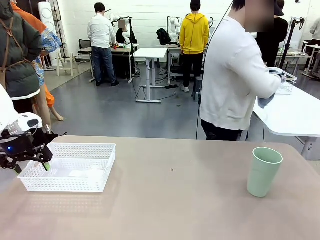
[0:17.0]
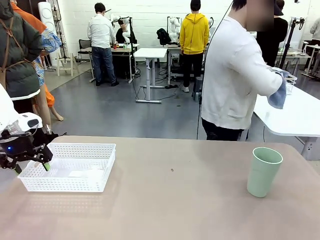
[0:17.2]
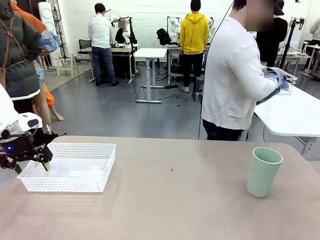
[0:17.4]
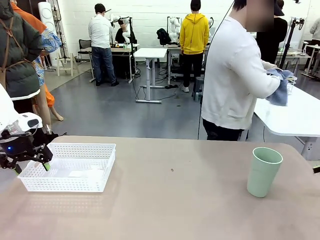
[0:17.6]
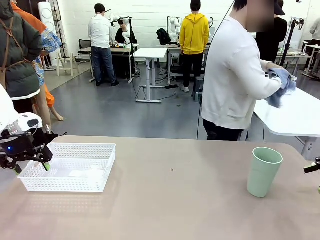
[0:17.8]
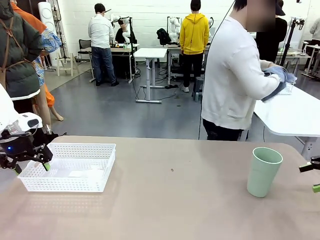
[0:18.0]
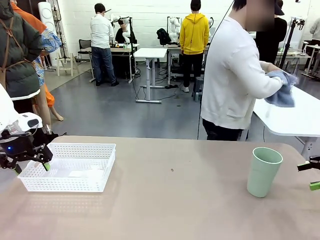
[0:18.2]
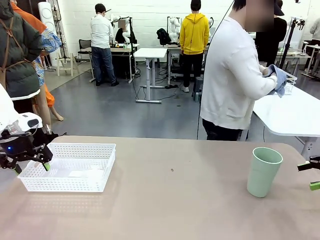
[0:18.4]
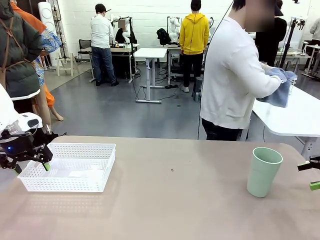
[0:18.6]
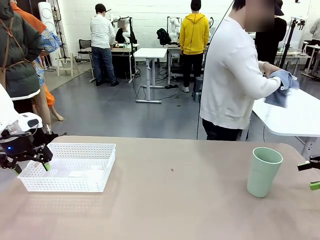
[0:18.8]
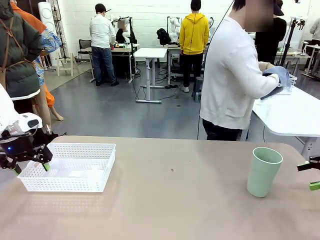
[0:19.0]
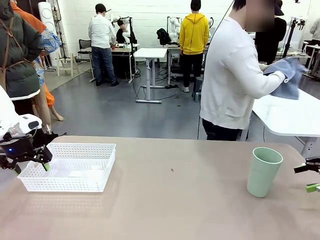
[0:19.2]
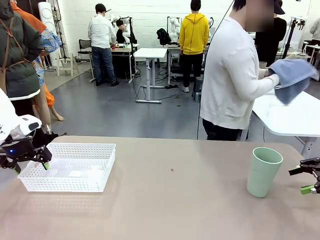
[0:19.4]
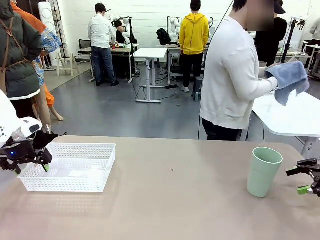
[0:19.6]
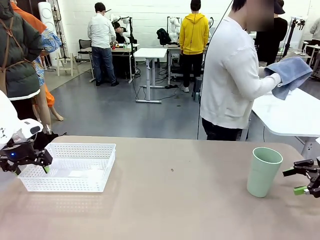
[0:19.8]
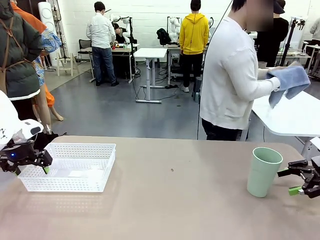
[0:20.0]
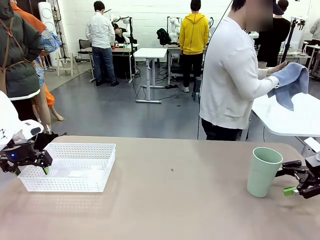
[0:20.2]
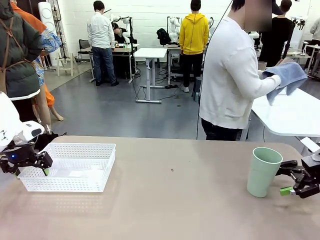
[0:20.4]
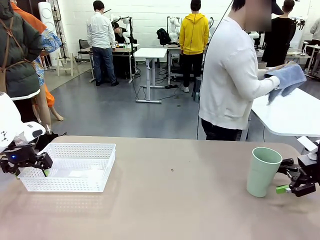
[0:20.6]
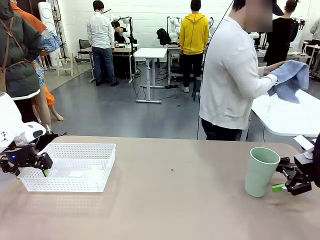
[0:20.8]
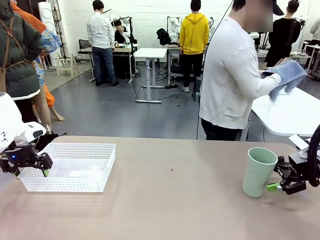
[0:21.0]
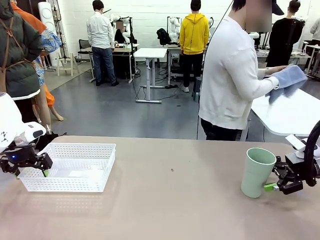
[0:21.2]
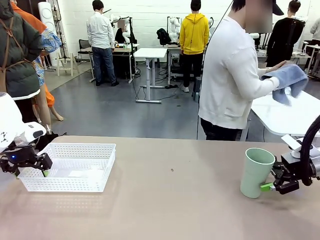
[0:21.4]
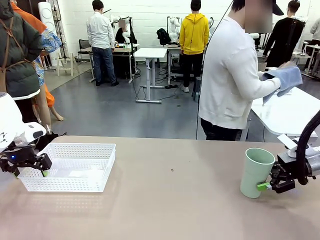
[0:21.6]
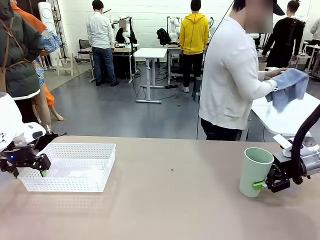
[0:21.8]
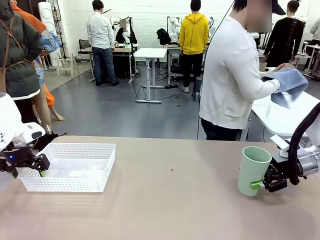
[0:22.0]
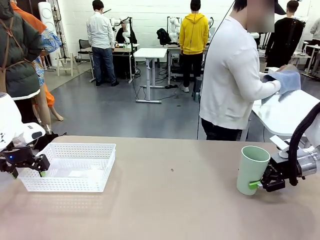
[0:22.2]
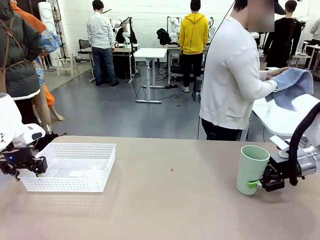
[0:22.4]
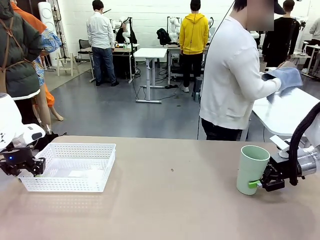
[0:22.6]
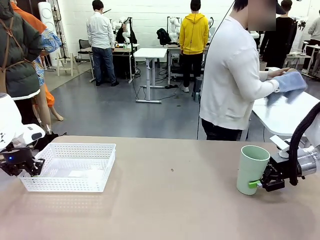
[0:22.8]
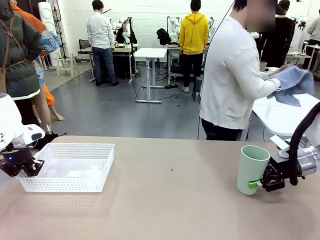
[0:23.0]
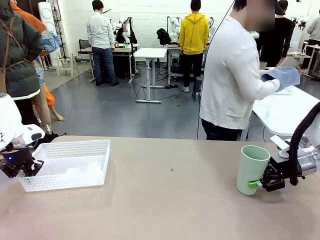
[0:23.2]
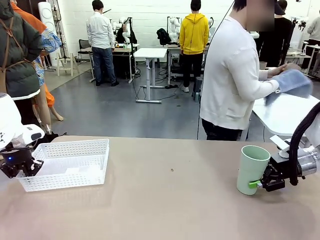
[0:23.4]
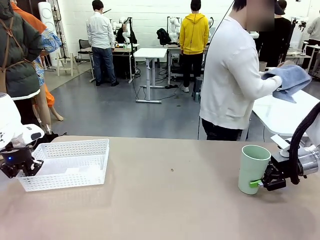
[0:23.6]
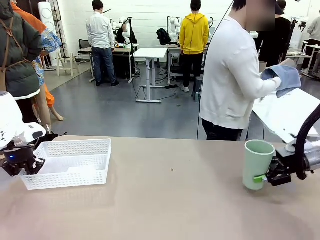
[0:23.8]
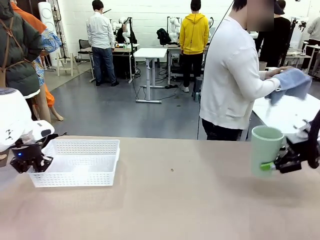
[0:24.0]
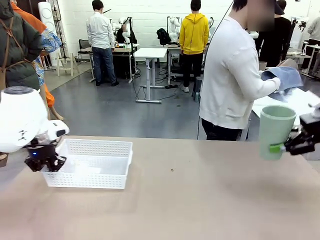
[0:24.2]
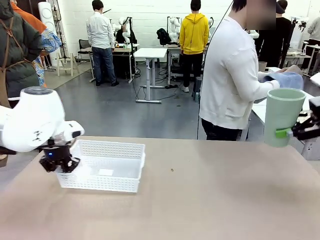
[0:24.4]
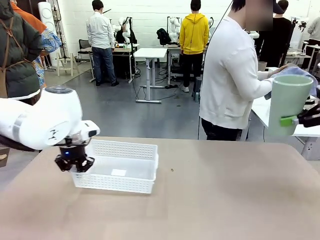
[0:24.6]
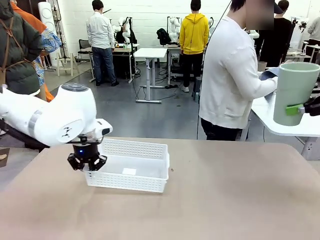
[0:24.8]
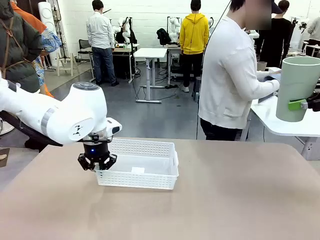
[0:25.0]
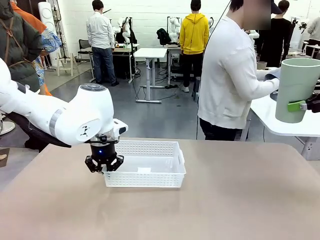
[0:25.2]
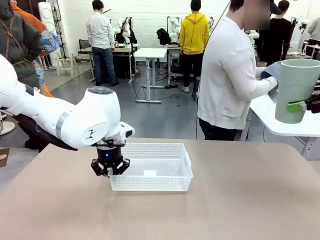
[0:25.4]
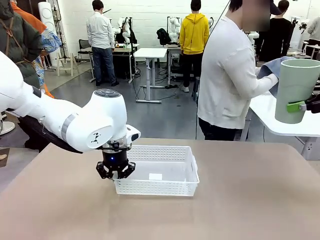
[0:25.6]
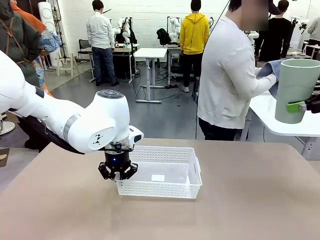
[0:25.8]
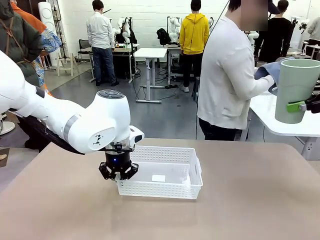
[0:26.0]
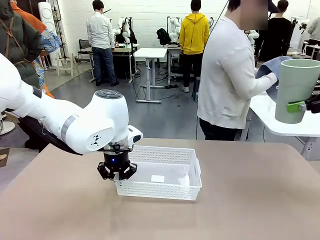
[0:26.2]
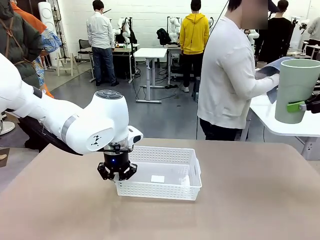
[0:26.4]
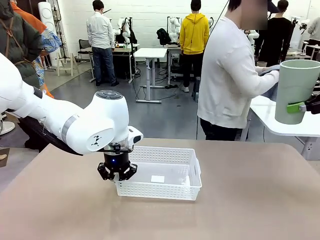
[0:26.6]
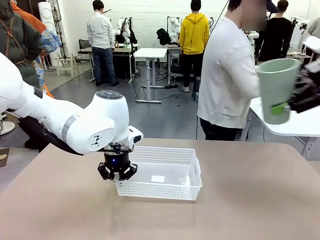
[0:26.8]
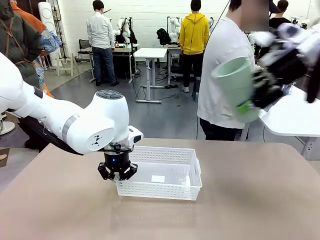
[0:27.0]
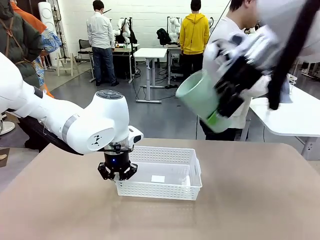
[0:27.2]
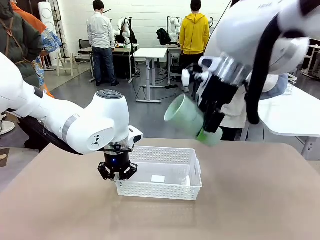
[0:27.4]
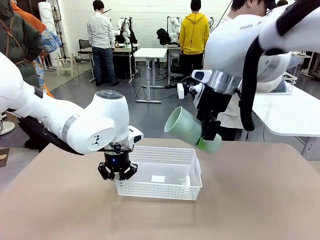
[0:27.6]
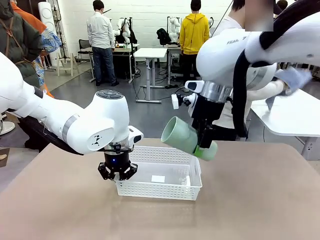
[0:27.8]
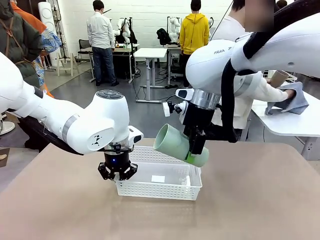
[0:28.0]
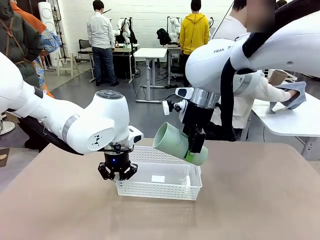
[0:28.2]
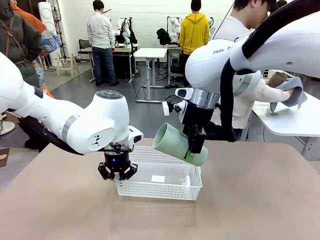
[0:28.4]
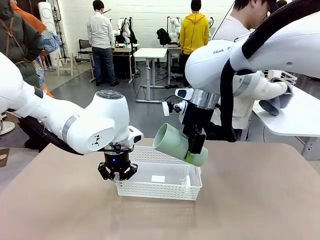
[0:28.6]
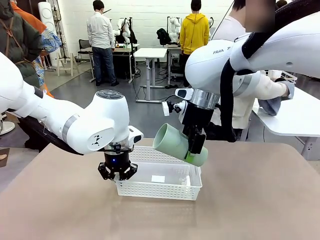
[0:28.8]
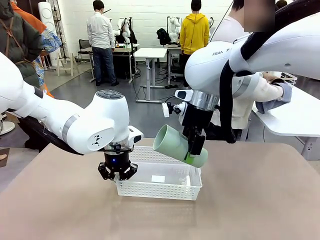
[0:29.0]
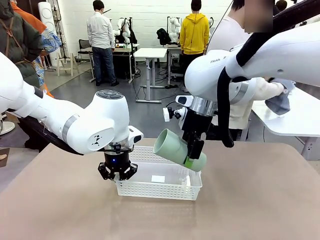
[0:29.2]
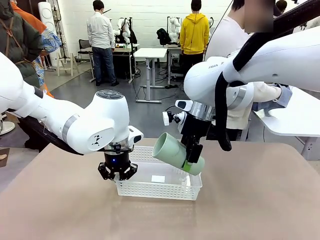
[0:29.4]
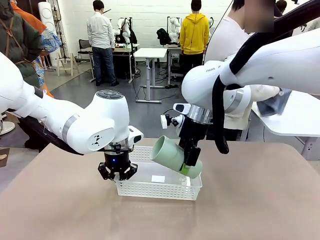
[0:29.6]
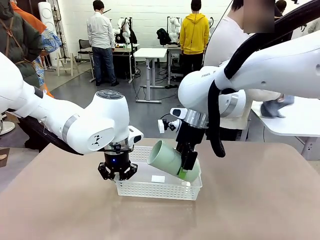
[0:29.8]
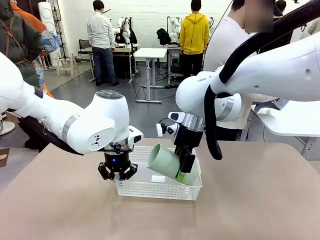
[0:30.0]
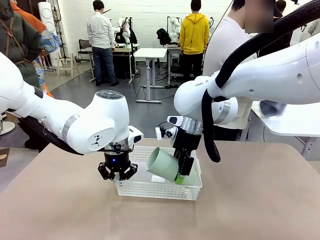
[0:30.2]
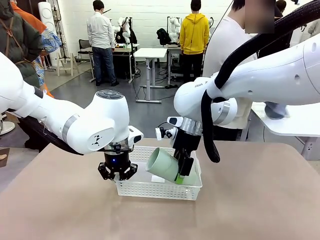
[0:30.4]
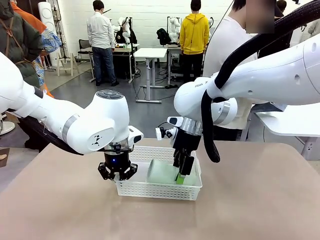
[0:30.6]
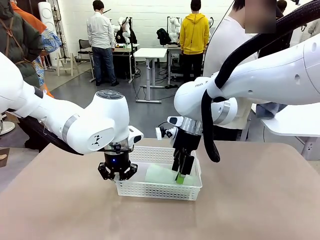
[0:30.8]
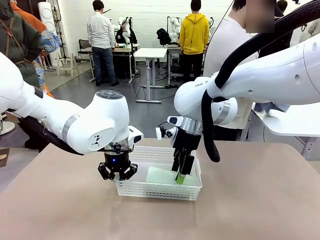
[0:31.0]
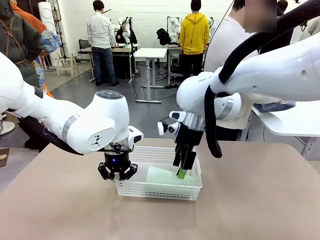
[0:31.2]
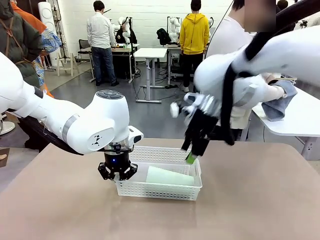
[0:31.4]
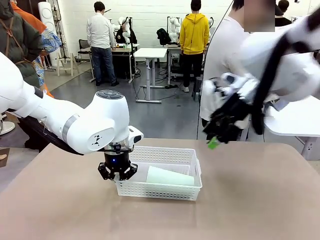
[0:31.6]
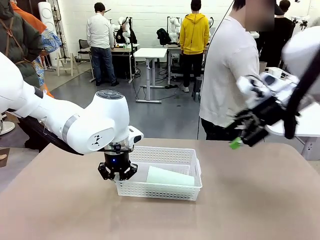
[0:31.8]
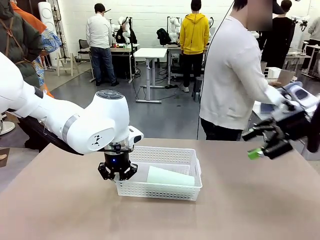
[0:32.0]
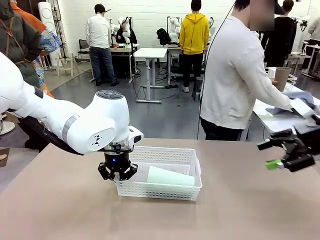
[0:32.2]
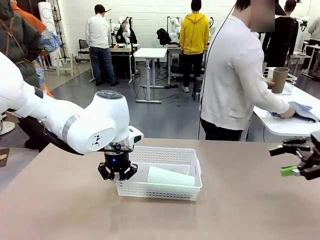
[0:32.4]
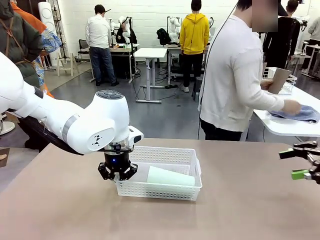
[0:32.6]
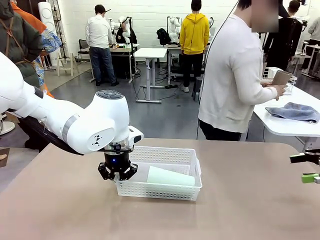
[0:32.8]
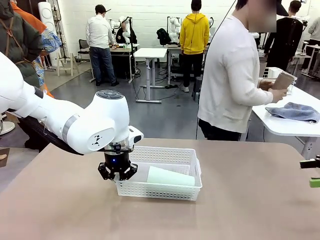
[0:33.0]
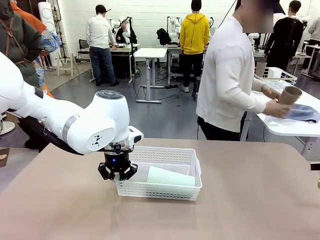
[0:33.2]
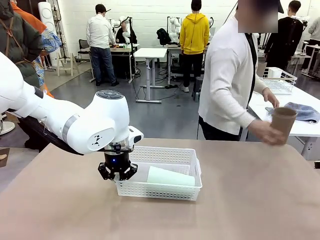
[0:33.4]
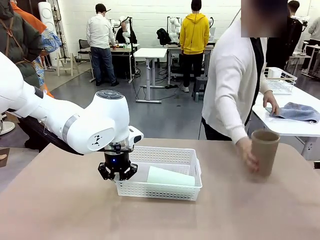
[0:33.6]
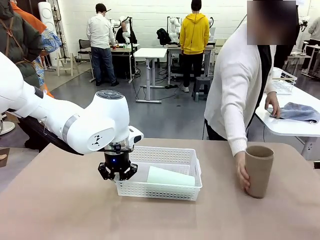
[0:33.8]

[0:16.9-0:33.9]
Task: Clean and organize the cups into the basket.
Robot: Pick up the Organizing basket and move it to the center of the table, then pick up the Reusable plastic cup from the right side of the table and place it inside the Organizing basket.
